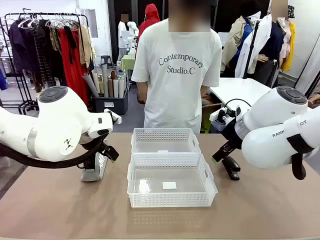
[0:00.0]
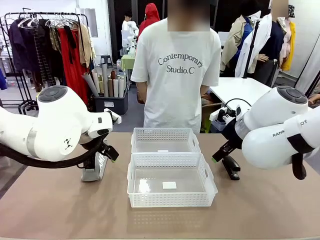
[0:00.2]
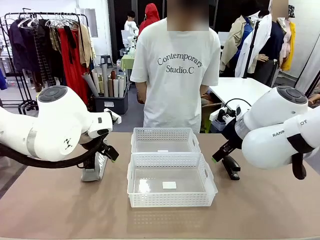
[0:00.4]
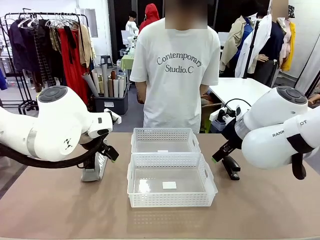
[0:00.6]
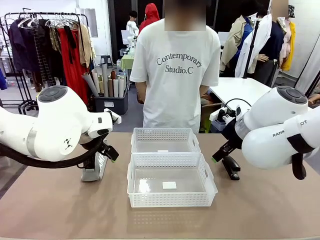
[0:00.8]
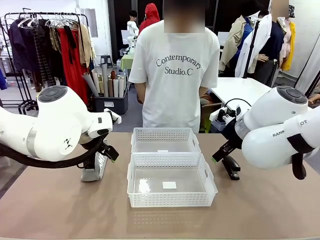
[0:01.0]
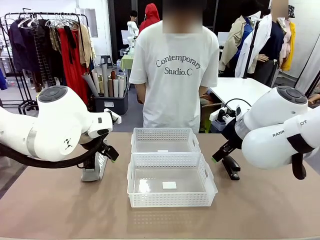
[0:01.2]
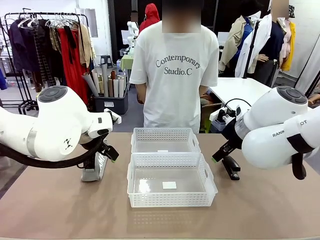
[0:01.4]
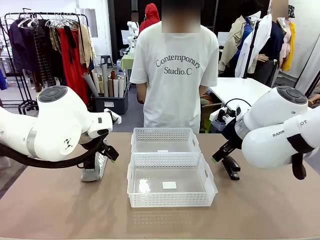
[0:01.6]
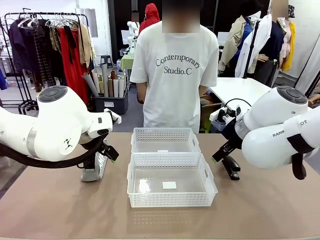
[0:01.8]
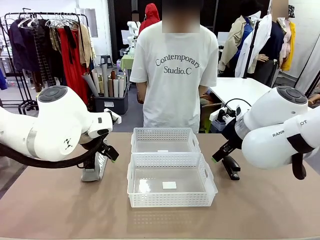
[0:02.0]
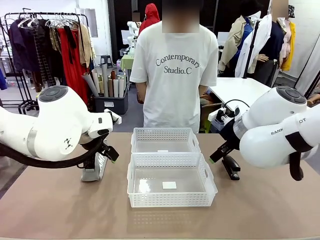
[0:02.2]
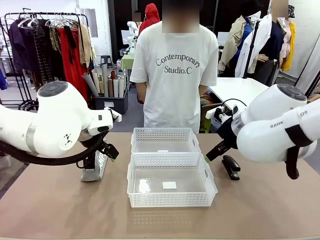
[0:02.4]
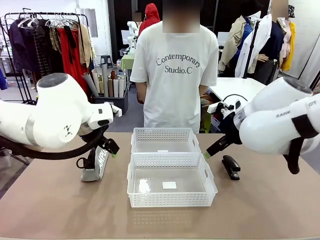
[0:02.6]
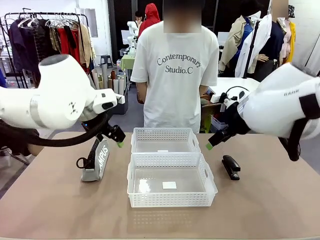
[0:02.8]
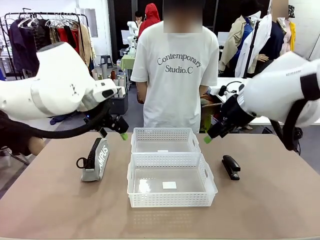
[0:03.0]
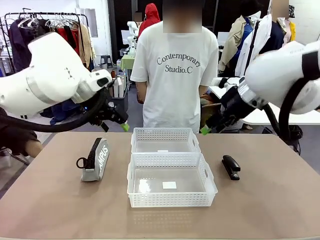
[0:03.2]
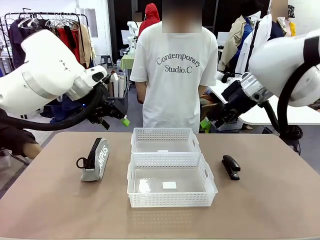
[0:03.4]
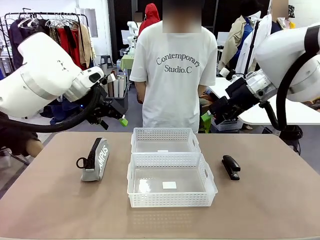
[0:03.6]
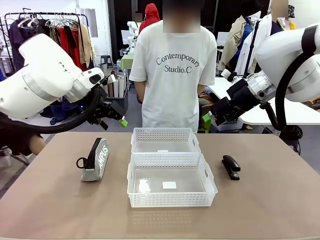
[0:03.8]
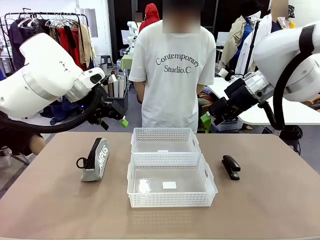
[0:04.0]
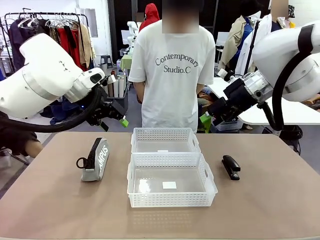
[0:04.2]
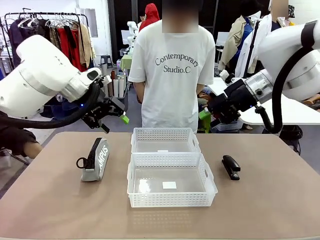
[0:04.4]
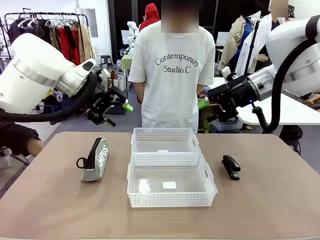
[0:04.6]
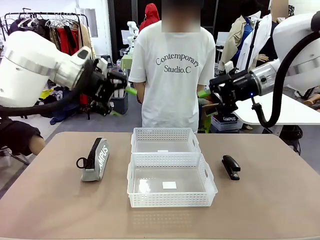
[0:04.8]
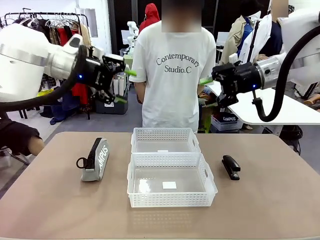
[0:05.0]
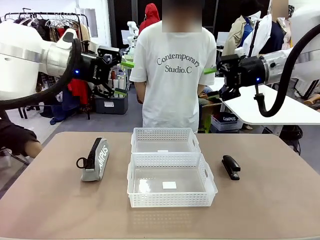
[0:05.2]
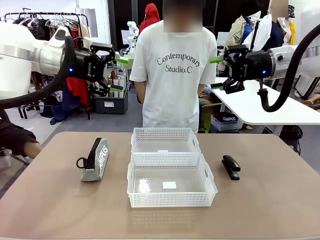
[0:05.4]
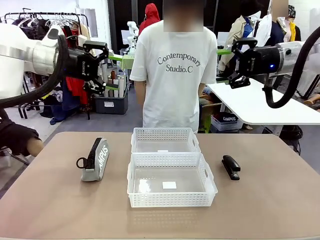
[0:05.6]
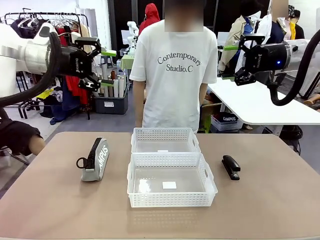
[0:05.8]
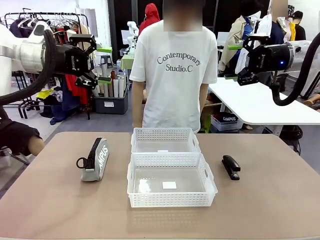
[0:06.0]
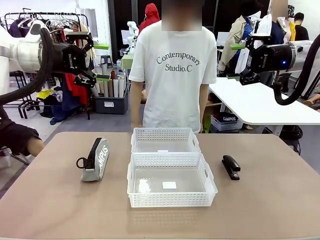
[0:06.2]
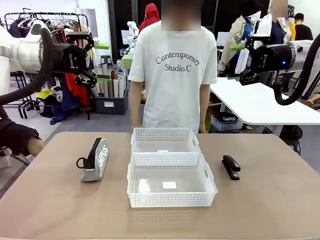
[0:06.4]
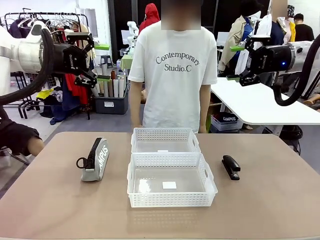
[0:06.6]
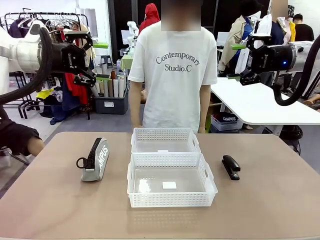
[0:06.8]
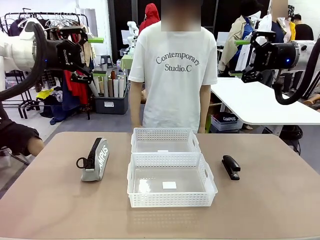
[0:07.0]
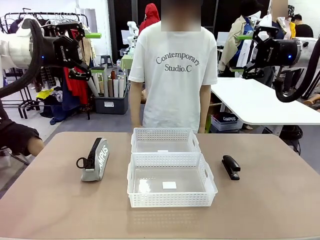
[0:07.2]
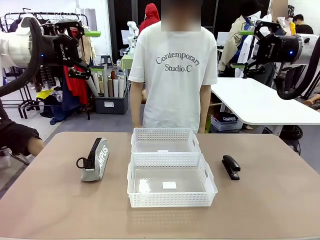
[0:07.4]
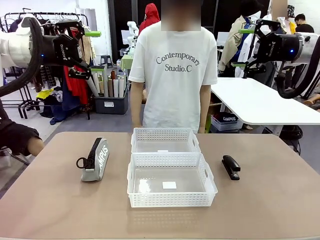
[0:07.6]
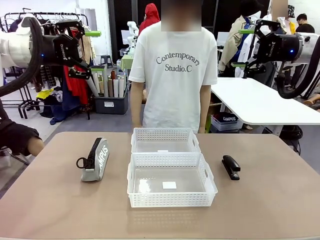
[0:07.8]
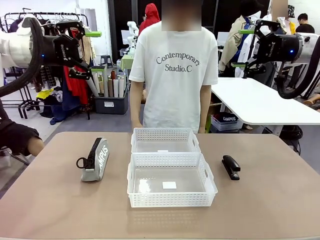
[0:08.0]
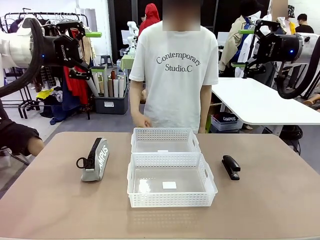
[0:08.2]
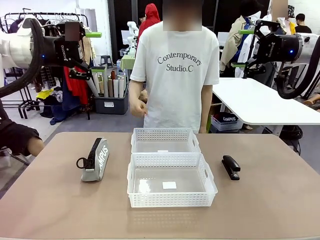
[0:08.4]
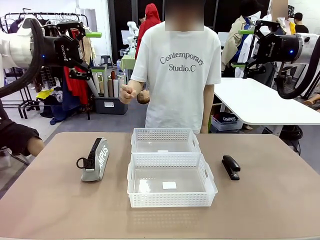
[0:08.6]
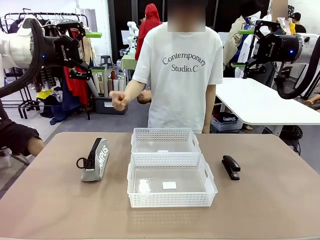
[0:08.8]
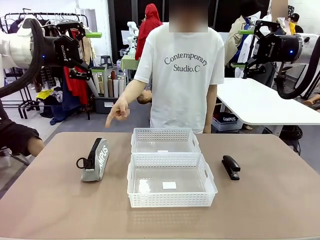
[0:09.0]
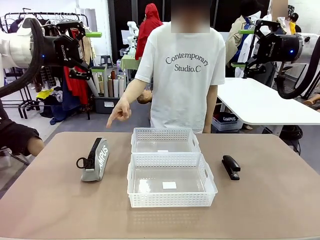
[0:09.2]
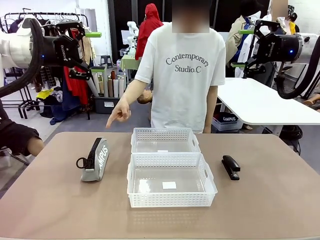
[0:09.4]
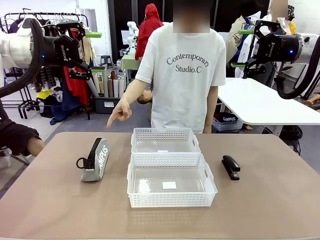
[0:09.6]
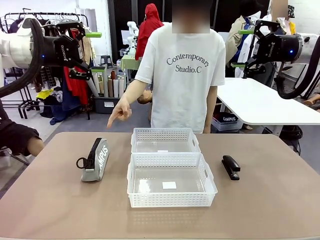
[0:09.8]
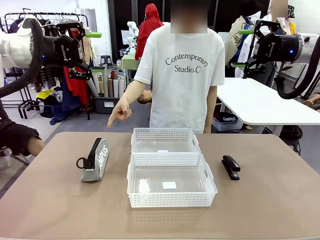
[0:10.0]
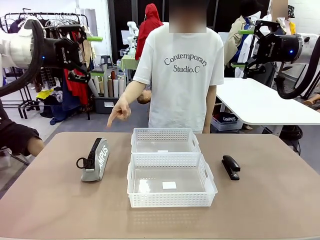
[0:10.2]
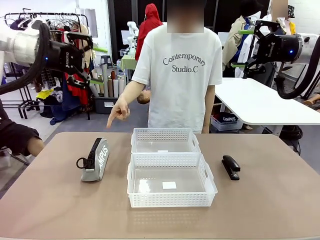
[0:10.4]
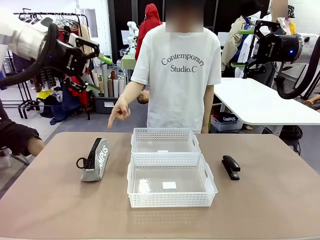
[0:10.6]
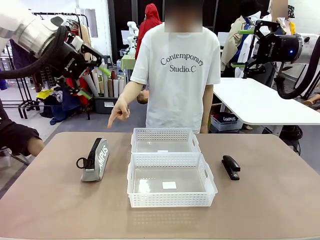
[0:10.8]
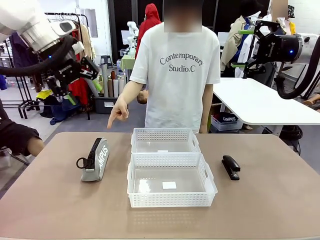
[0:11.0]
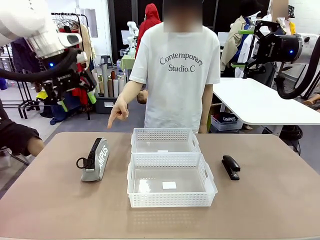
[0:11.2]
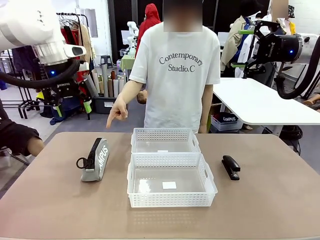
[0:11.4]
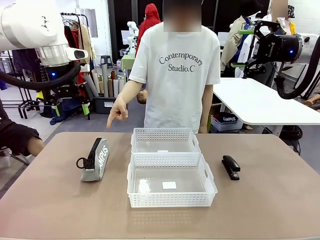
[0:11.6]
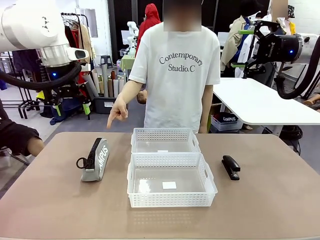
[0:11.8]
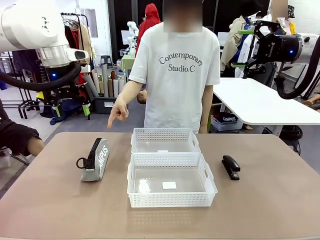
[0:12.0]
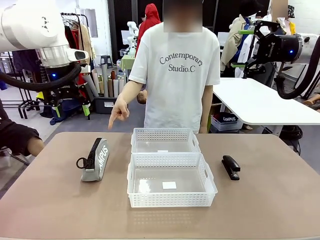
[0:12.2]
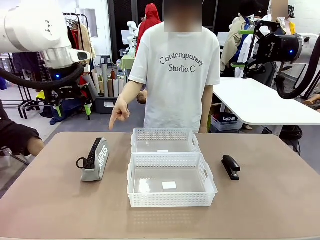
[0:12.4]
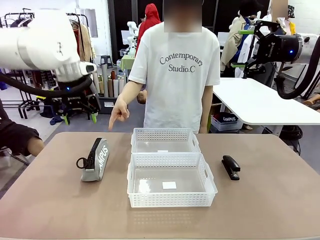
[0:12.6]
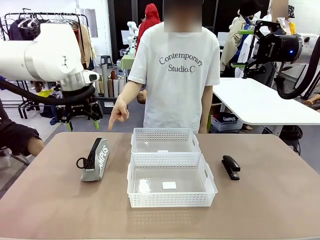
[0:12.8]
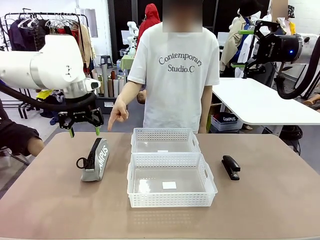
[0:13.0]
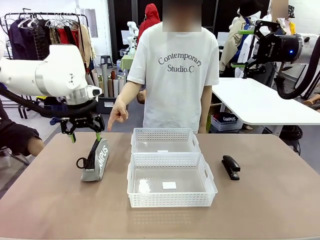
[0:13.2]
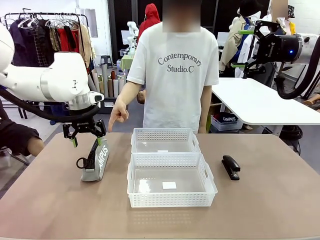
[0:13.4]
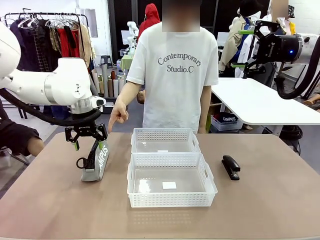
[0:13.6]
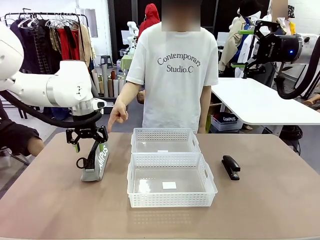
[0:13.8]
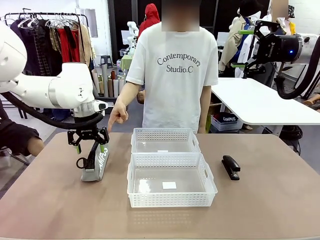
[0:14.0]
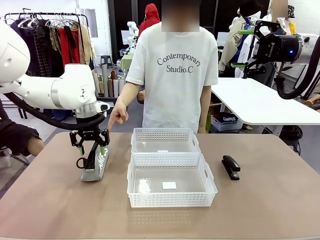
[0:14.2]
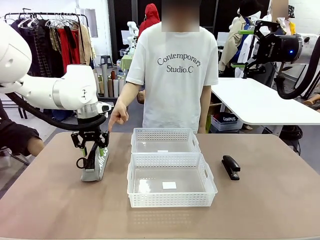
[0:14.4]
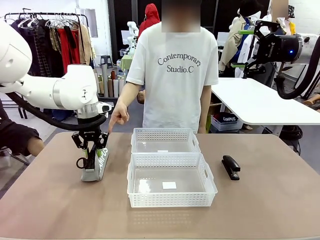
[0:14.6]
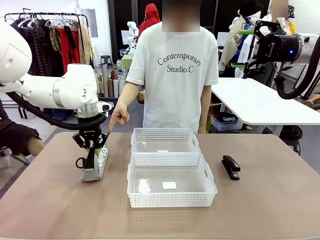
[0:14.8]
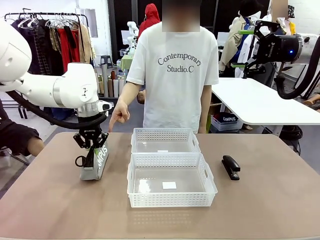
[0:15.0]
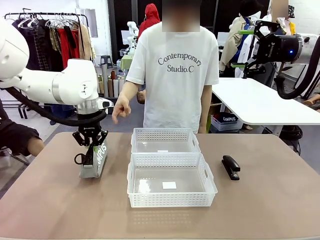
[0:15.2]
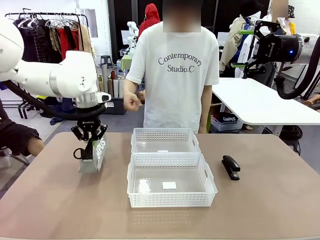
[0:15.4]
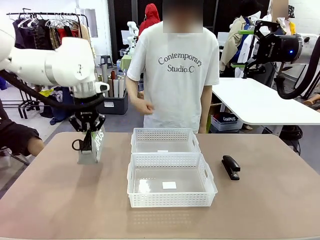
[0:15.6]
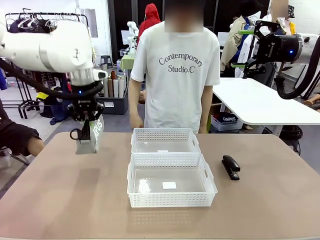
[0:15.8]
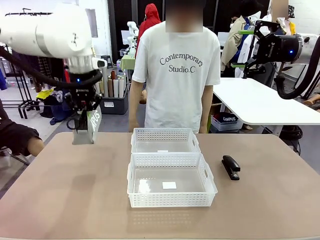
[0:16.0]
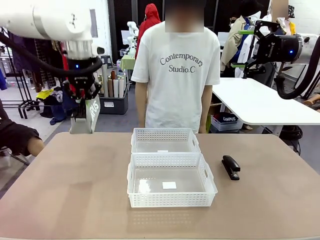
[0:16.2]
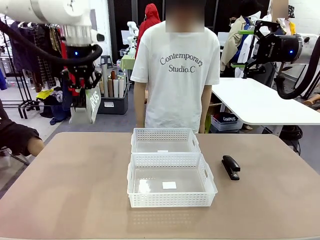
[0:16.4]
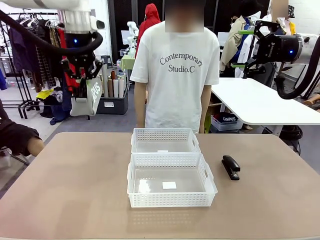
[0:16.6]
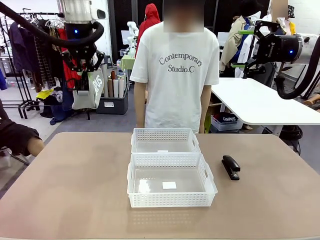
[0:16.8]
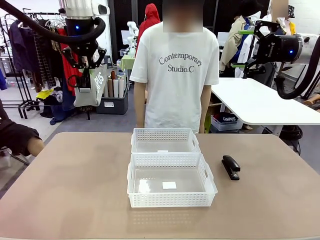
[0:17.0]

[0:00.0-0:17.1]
Task: Distribute items into two baskets.
Robot: Pick up the Pencil pouch that the person points to.
Person: Points to the pencil case. Points between the two organizing baskets and instructs the robot to move the pencil case.

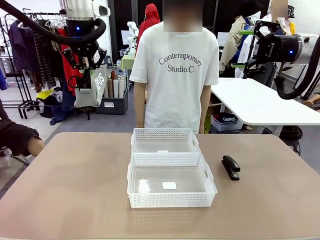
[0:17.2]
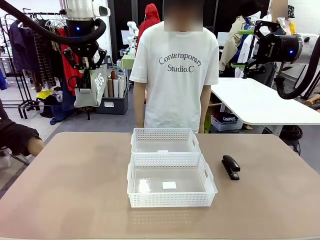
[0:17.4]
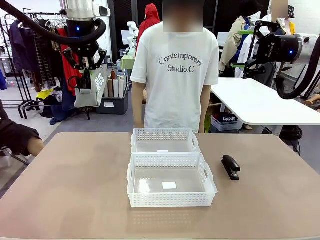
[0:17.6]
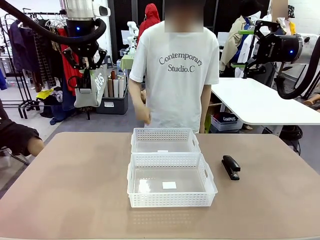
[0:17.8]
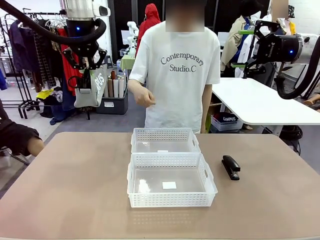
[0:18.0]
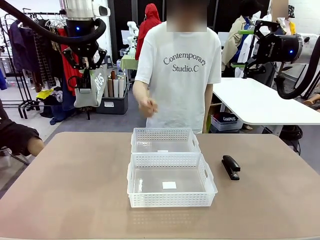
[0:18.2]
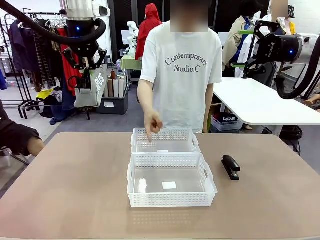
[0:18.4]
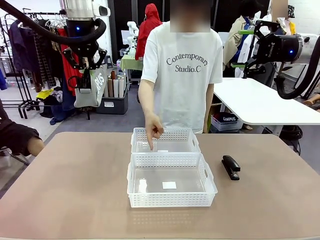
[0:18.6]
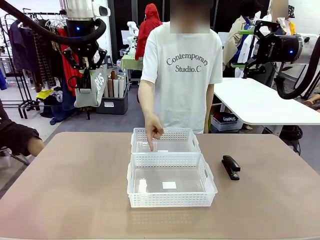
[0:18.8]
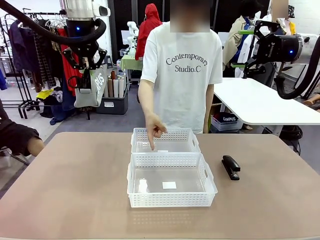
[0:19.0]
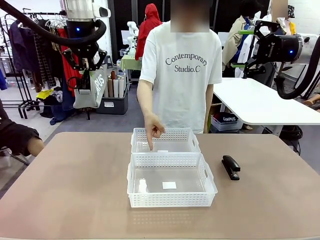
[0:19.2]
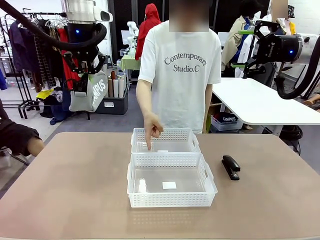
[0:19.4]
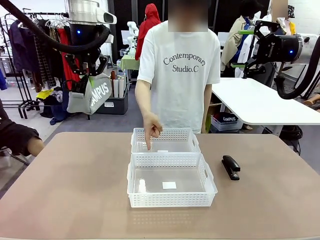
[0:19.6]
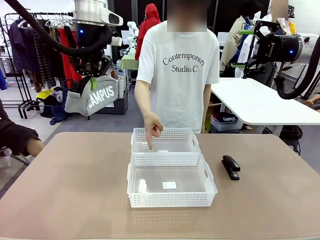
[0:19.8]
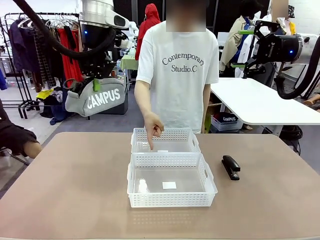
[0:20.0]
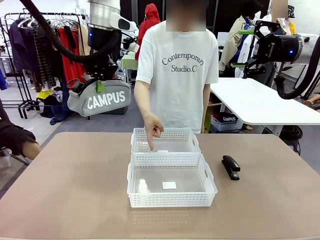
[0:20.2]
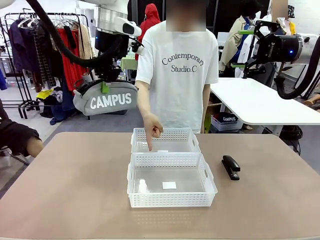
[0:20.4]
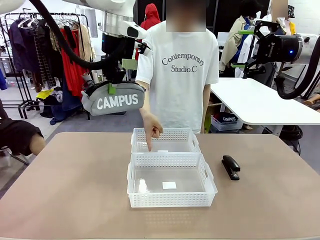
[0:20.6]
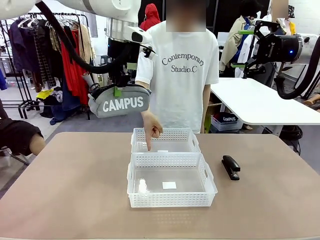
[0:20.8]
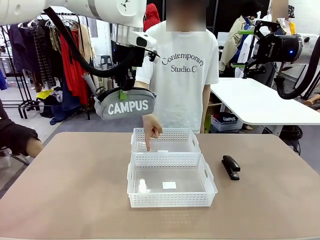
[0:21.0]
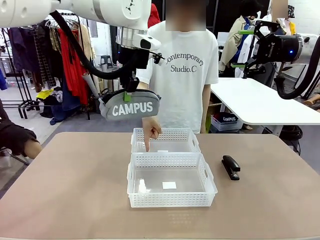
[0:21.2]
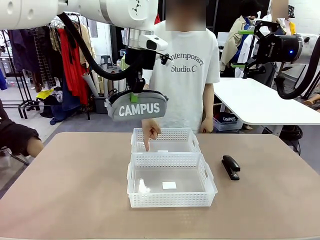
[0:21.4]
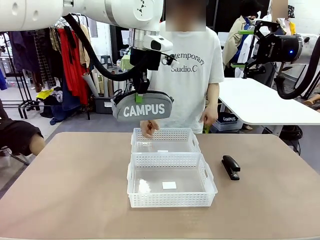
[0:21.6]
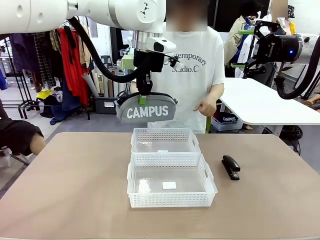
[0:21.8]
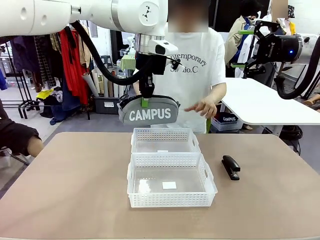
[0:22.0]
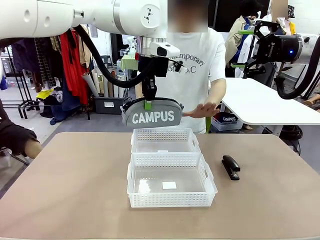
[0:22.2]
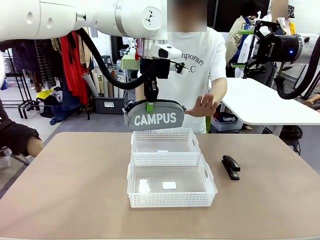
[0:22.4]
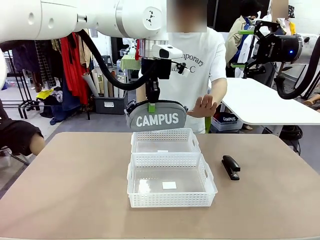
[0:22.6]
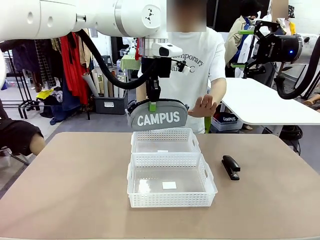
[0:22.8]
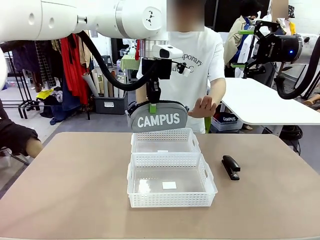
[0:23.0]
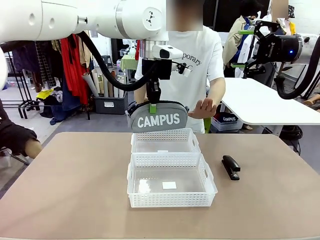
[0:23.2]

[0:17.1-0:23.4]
Robot: Move the picked Pencil pouch towards the Organizing basket indicated by the person, stopping as directed.
Person: Sends a stop gesture before the robot places the pencil case into the basket.
